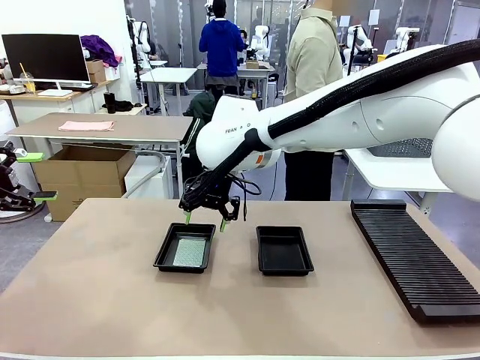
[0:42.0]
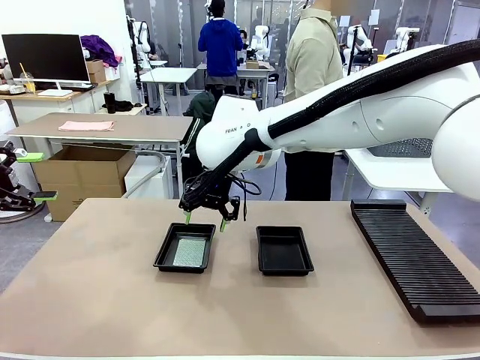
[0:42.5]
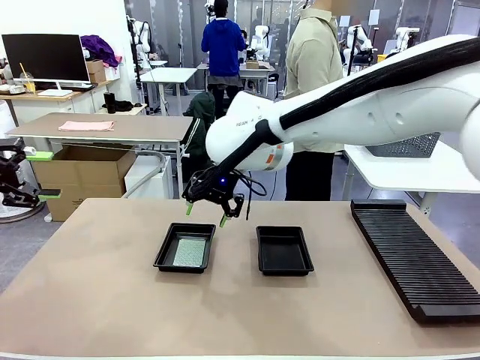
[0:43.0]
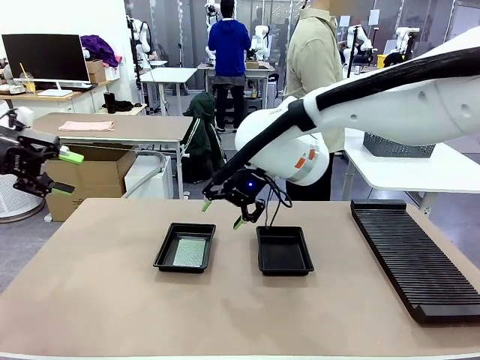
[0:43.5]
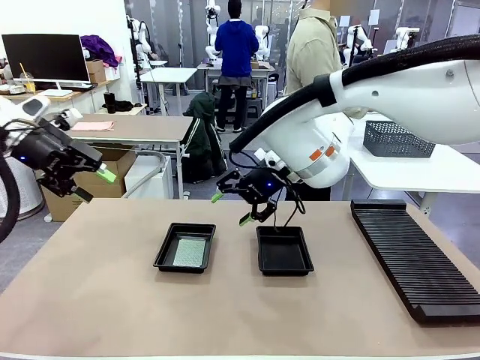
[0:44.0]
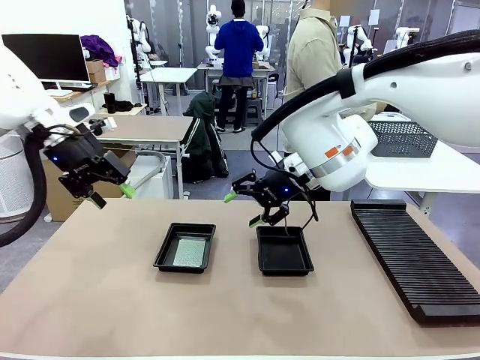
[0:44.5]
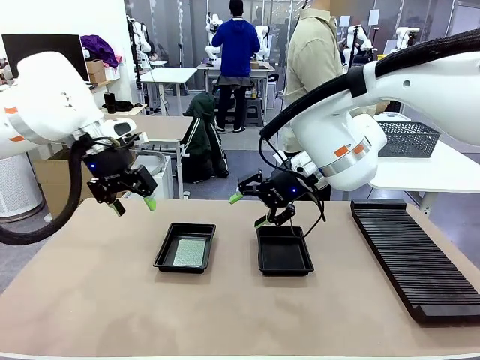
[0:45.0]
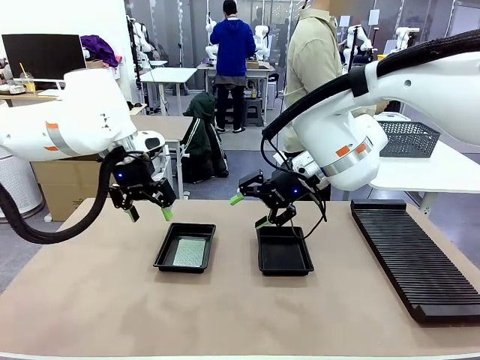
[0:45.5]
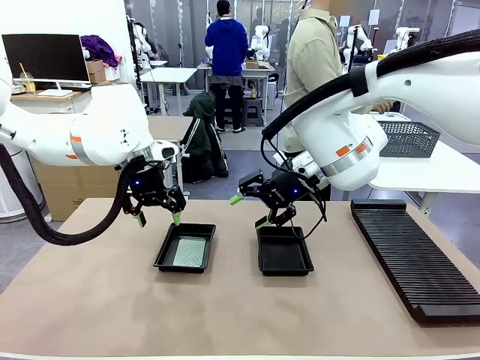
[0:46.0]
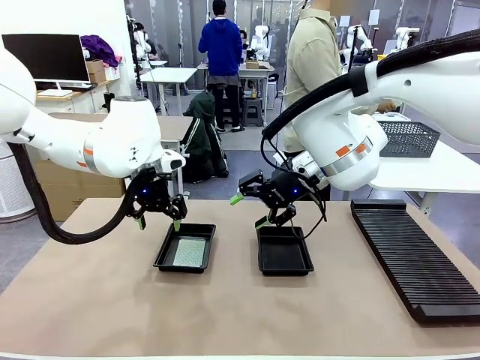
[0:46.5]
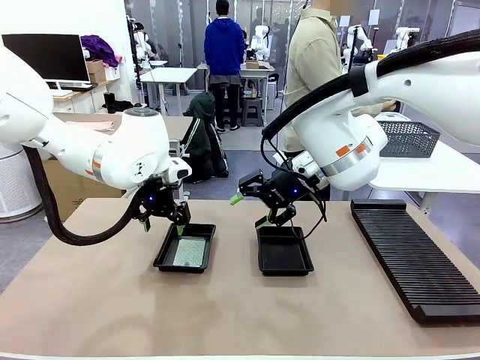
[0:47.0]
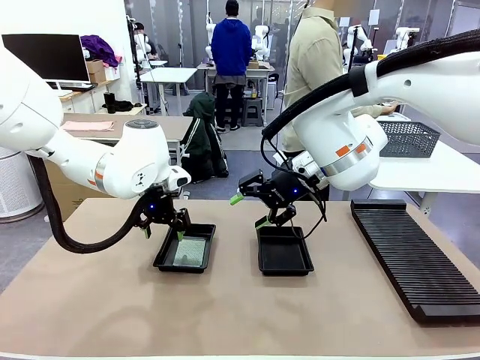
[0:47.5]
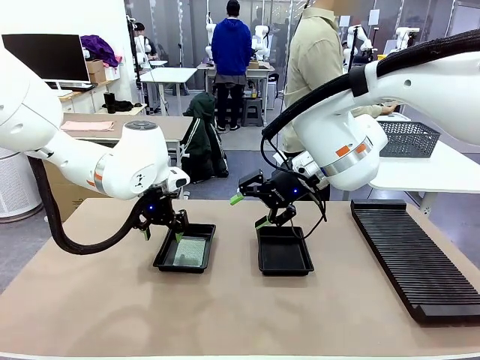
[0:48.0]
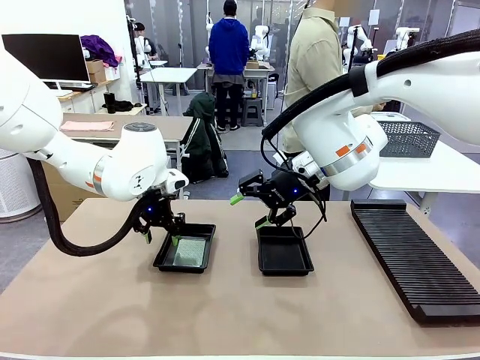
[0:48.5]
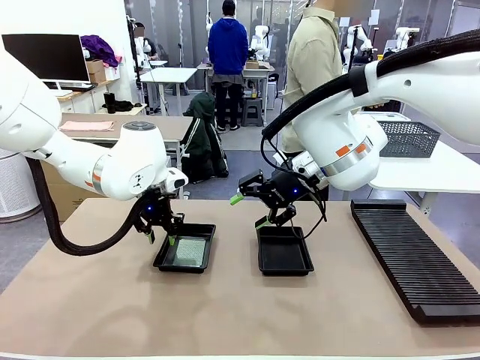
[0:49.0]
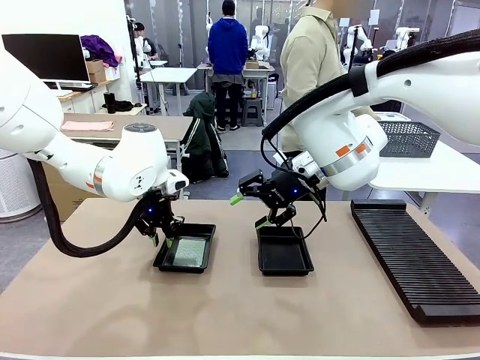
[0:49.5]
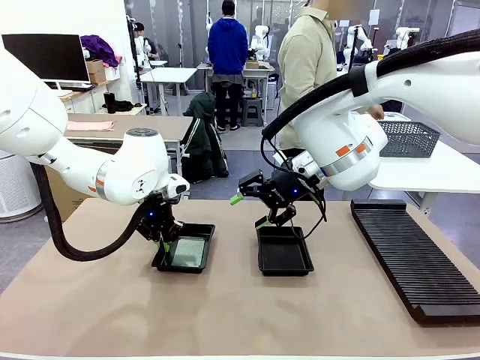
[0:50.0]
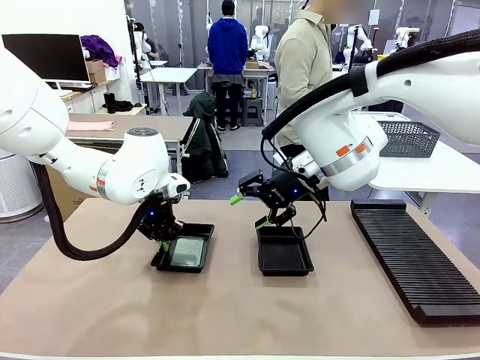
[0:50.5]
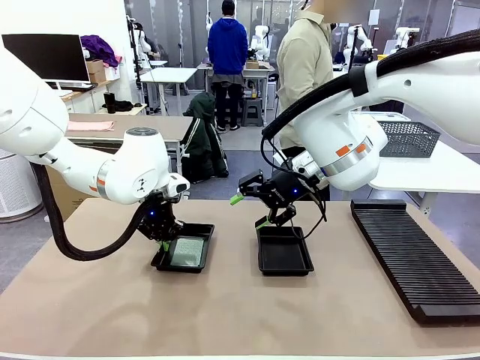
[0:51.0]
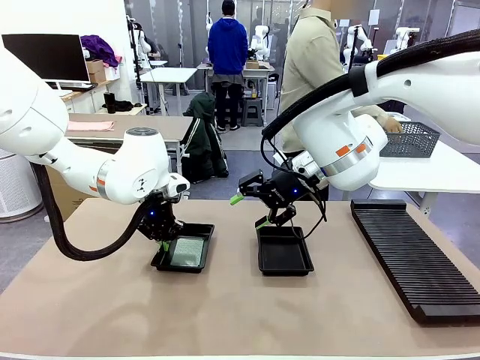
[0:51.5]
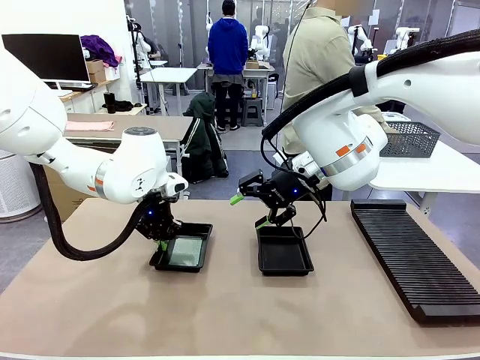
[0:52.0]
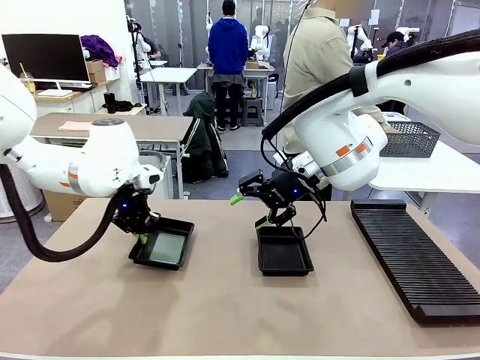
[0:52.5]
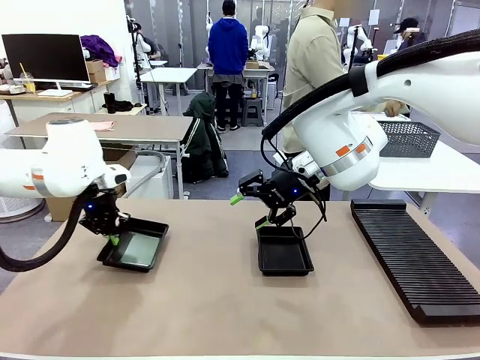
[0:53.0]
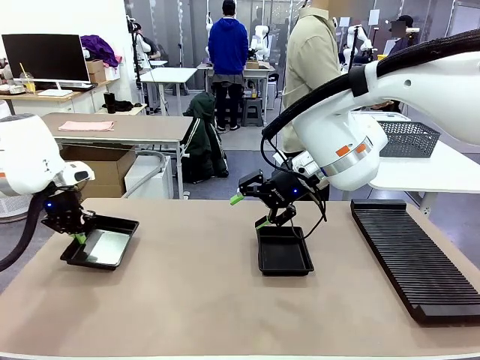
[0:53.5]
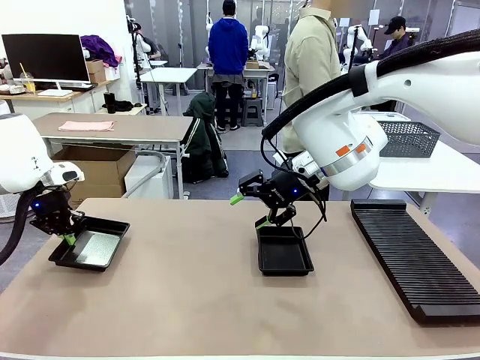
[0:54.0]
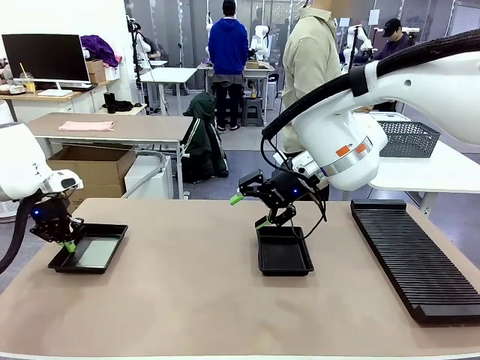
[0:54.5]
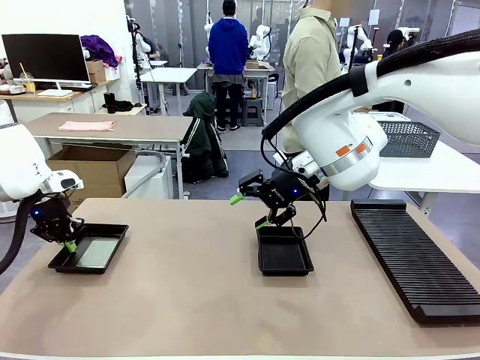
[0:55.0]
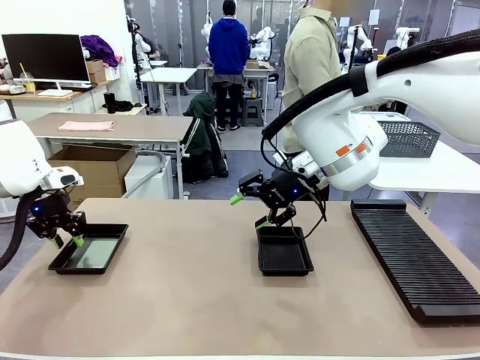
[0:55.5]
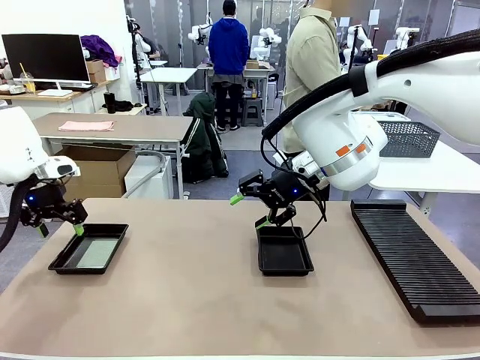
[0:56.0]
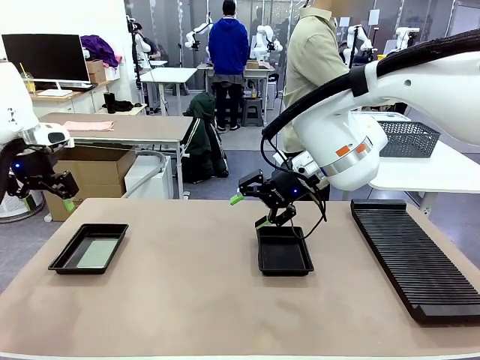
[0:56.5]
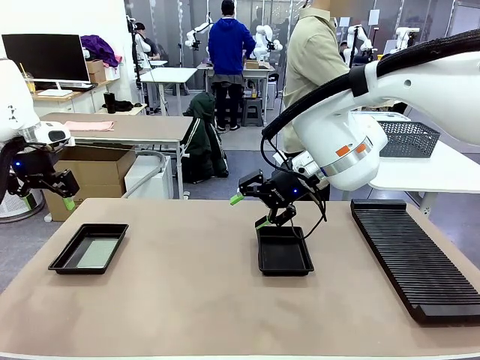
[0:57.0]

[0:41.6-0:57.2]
Task: Inspect and transfer BCBs to ESD trays.
Robot: Pick up the ESD tray and place it on the left side of the table.

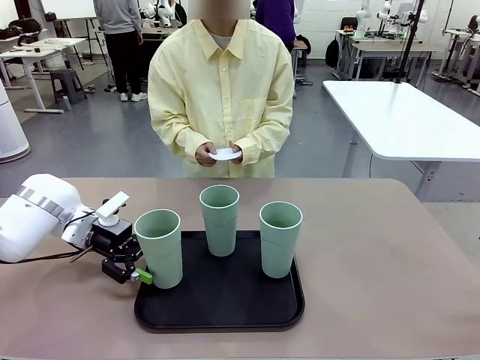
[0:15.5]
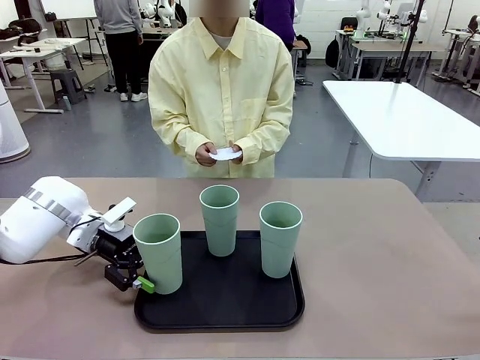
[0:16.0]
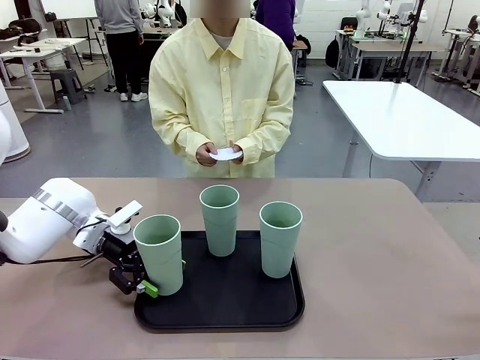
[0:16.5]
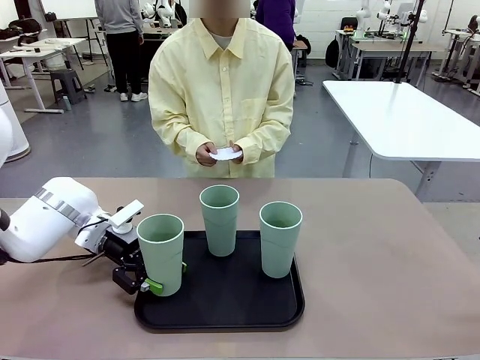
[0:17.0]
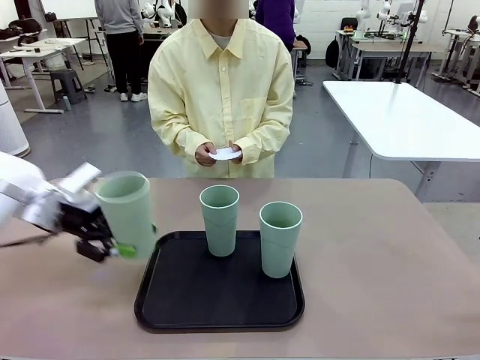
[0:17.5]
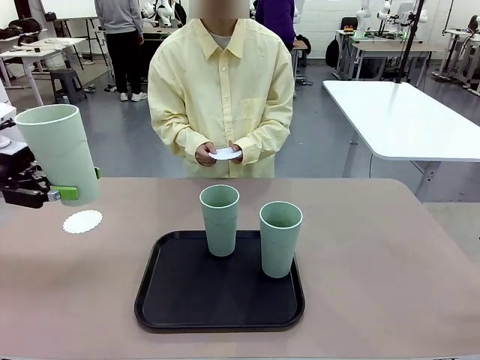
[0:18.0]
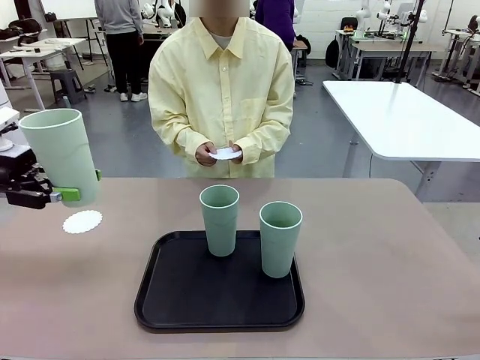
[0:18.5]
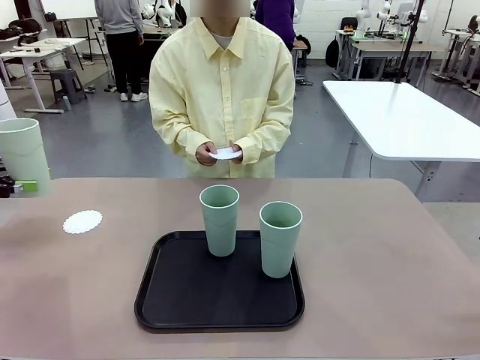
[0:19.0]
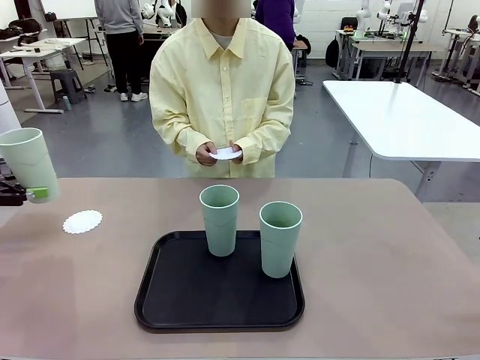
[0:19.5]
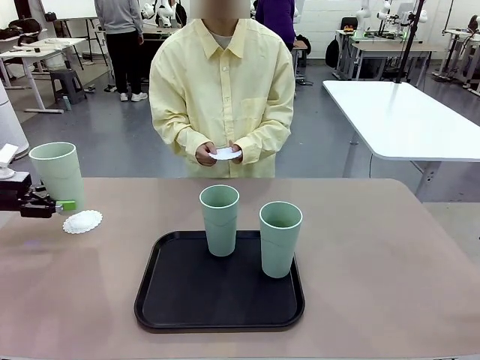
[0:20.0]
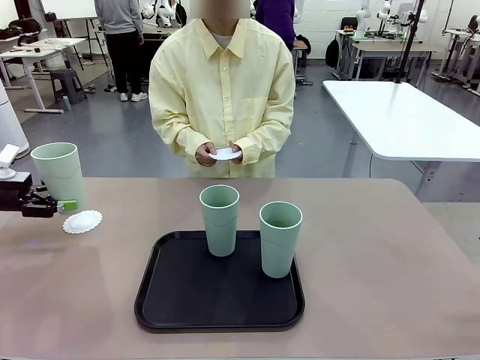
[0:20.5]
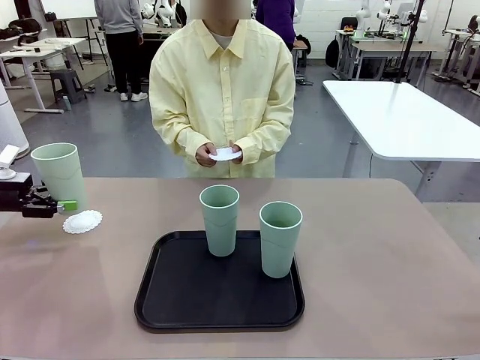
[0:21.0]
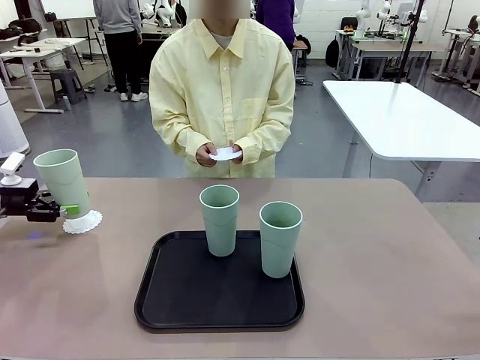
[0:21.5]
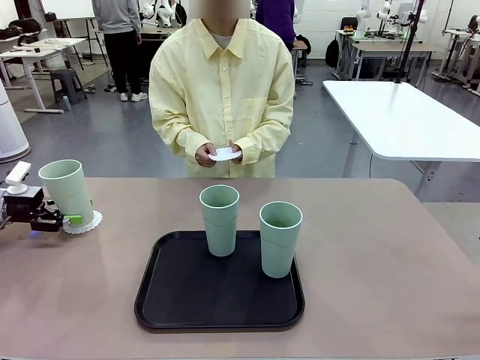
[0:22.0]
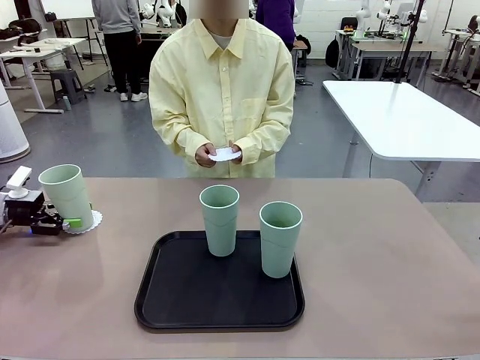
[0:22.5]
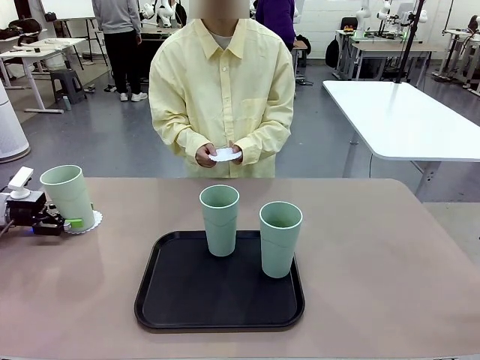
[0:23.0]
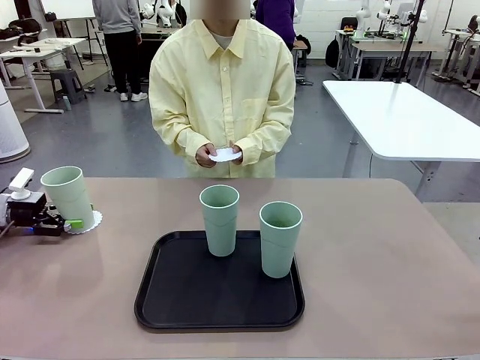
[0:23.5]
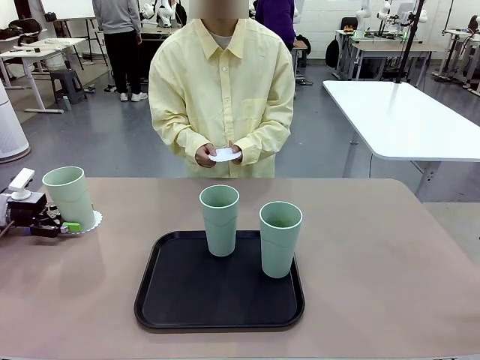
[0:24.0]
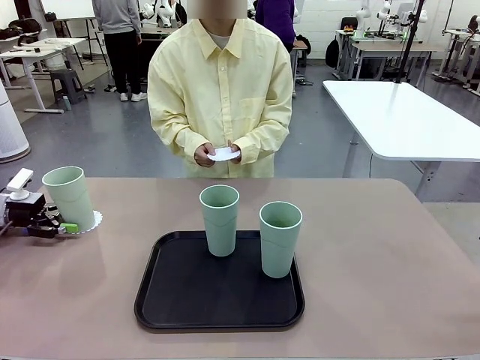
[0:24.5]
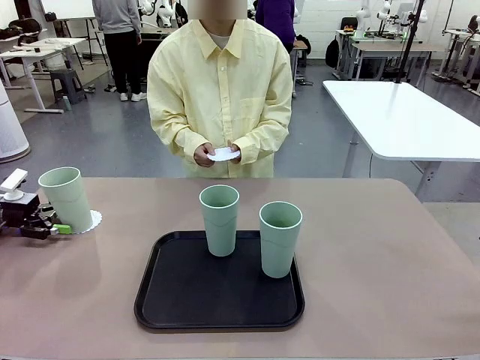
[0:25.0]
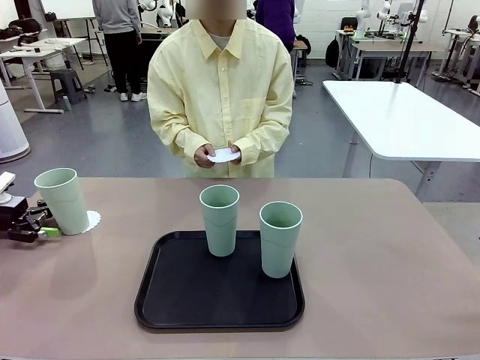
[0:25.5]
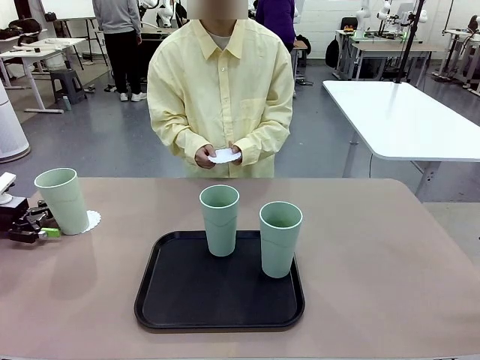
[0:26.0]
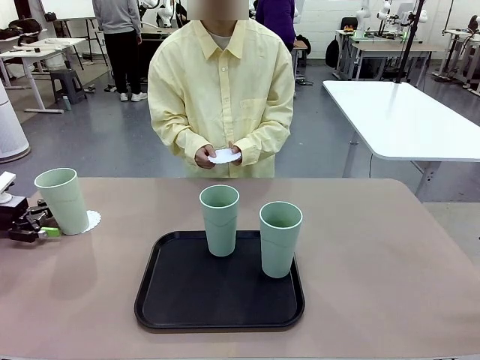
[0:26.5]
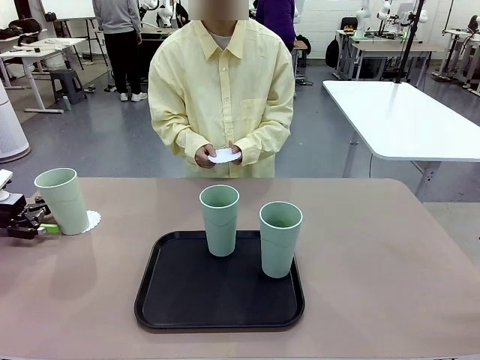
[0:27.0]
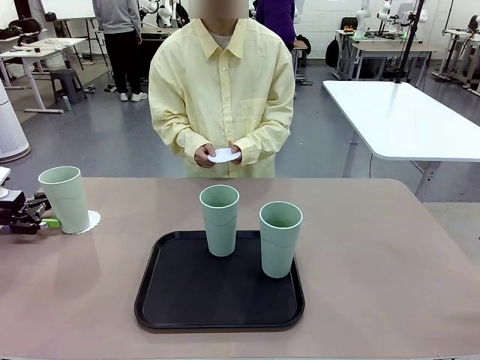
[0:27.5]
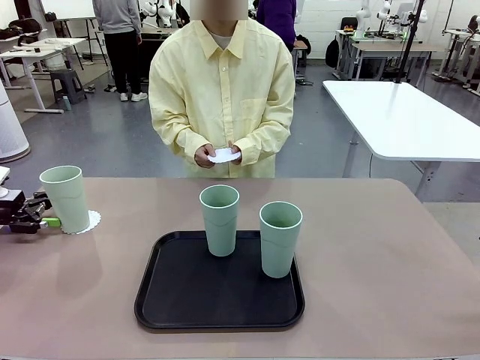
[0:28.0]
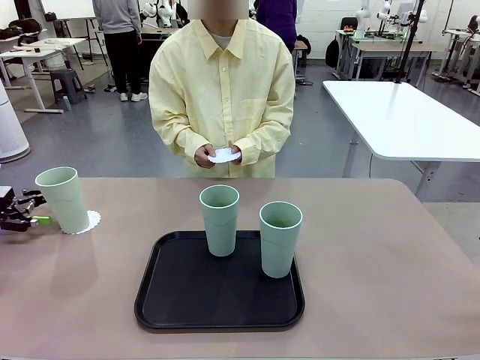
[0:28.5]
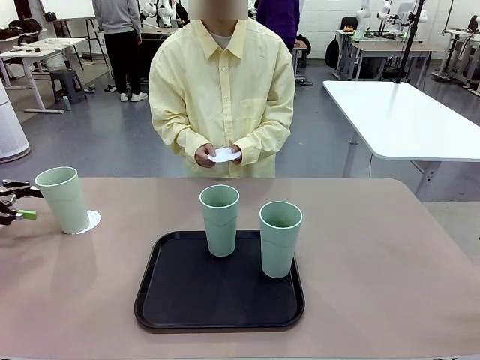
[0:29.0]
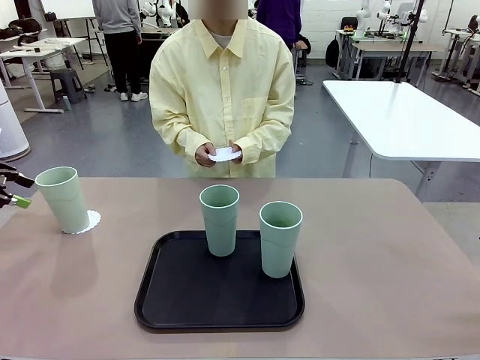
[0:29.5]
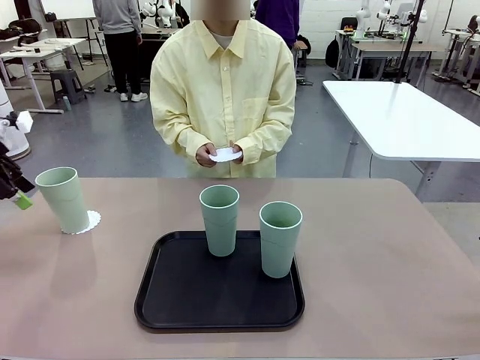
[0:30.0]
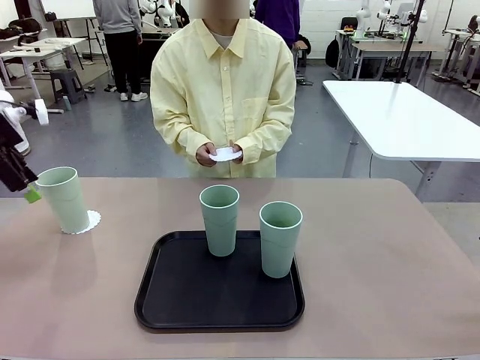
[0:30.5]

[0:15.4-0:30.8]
Task: Place coasters on the table and set cups on them.
Robot: Pick up one Reusable plastic cup and place it on a coaster set by the human.
Person: Place one coaster in one of the two areas excluding the previously selected area.
